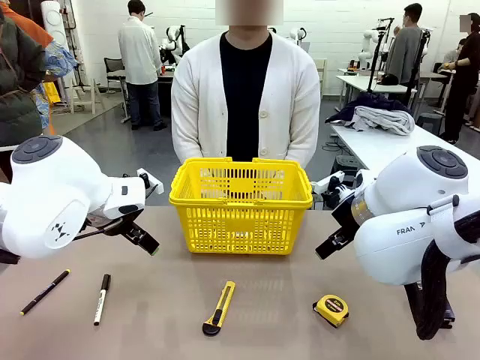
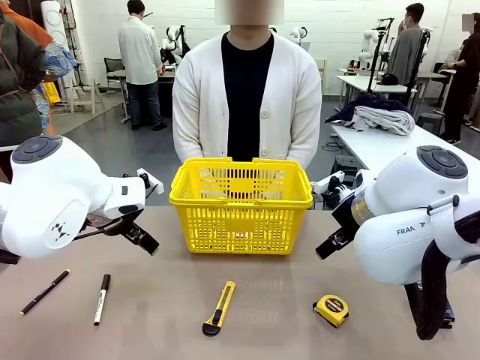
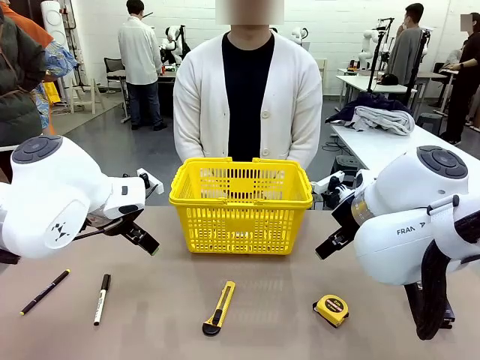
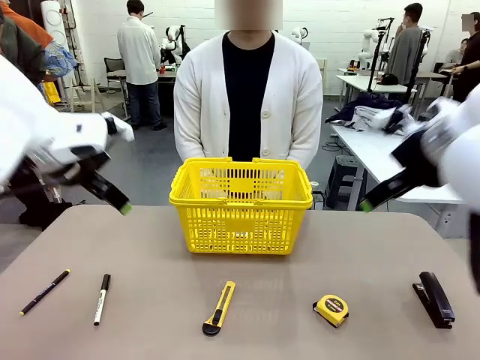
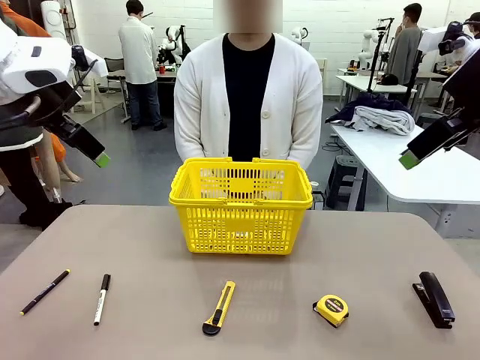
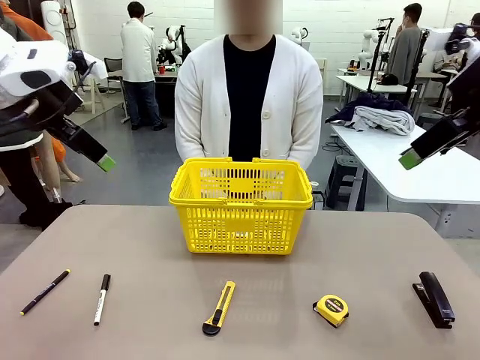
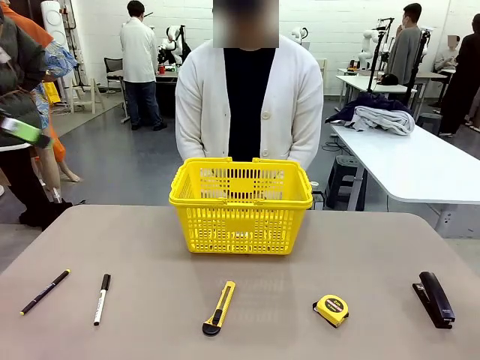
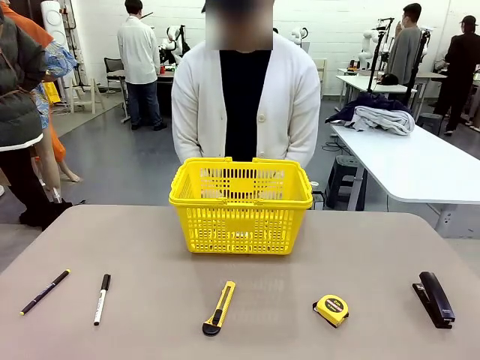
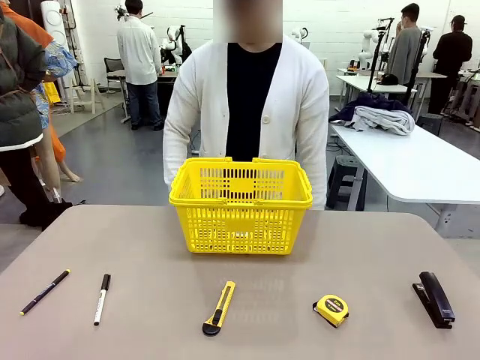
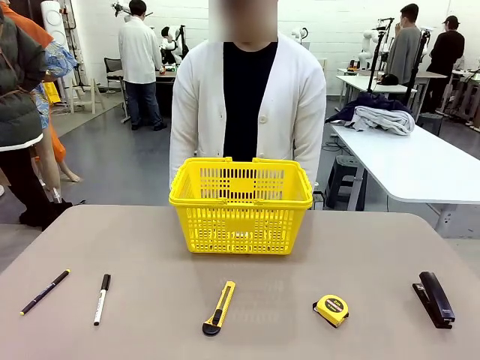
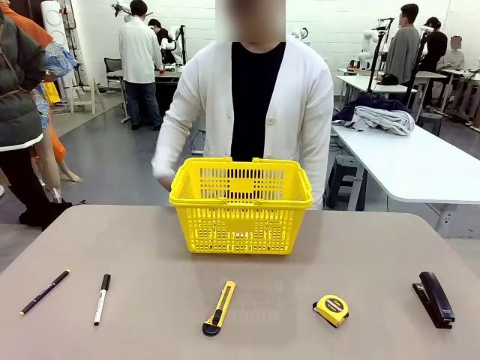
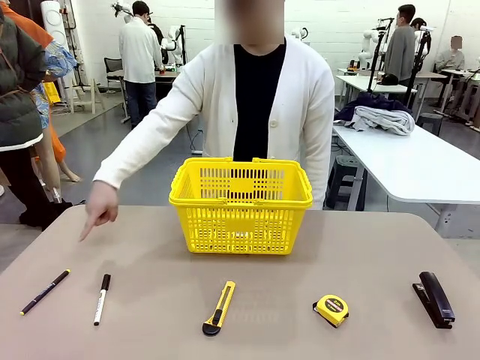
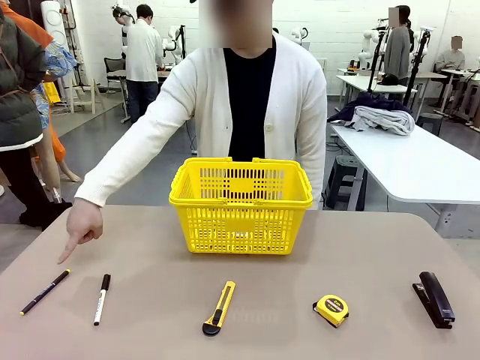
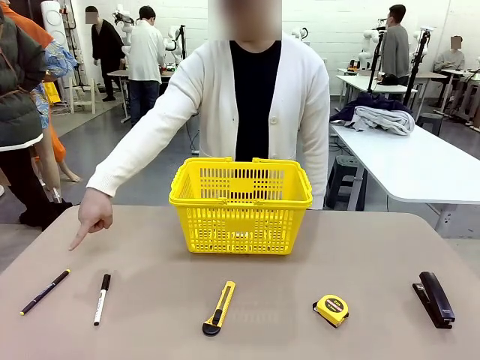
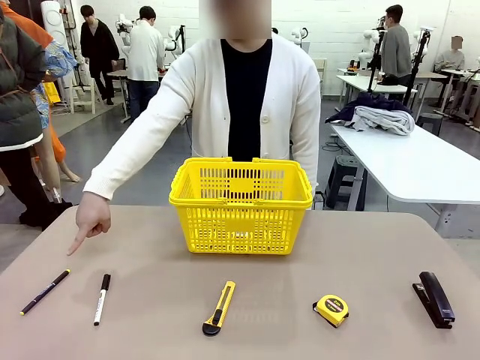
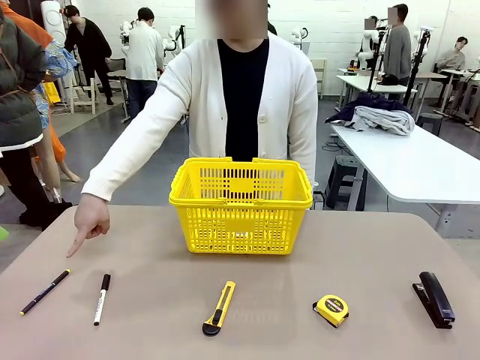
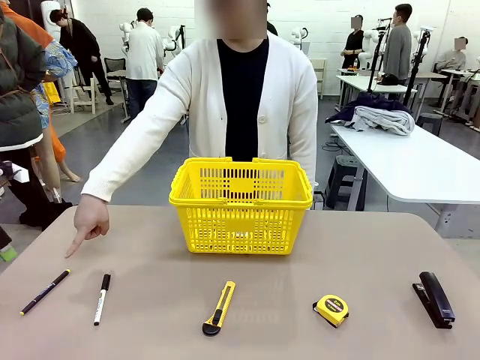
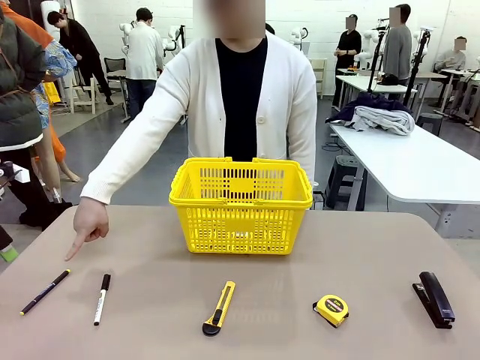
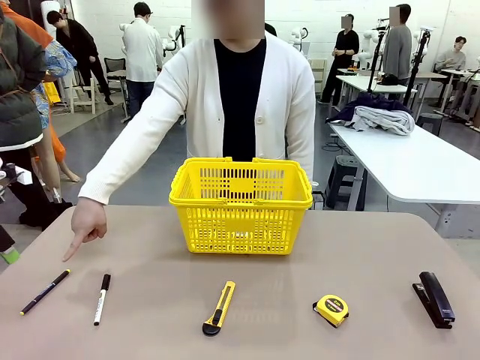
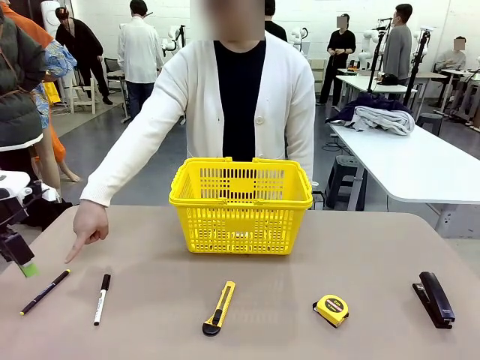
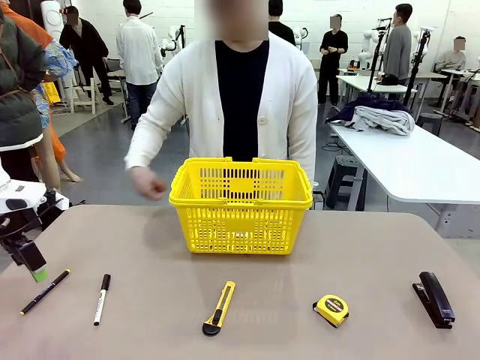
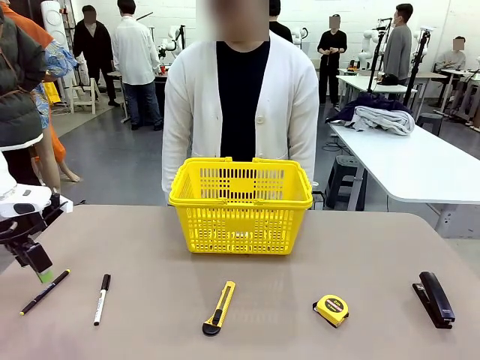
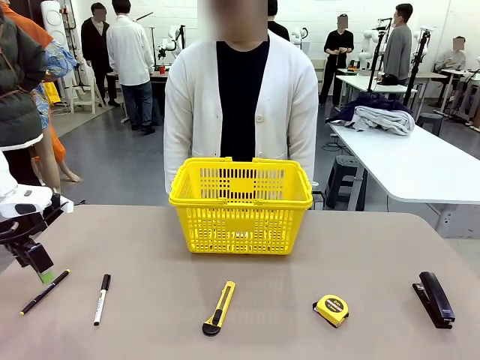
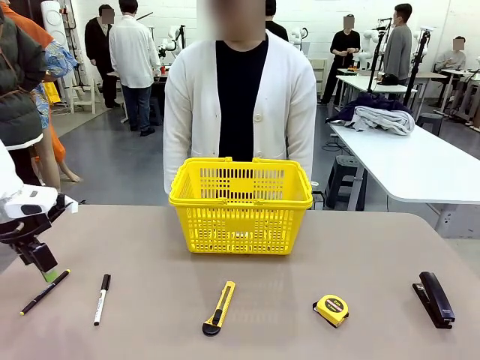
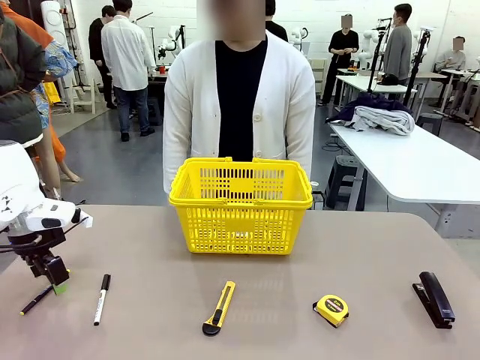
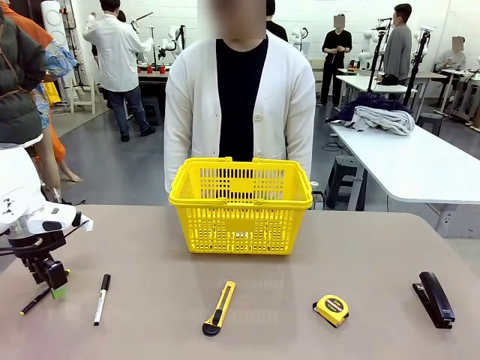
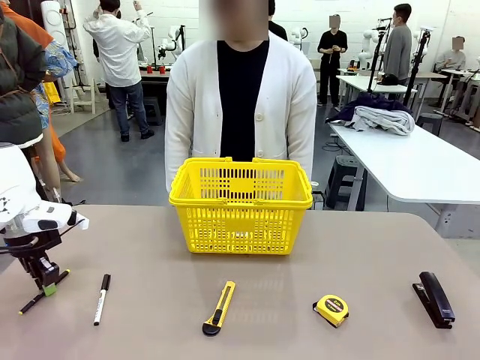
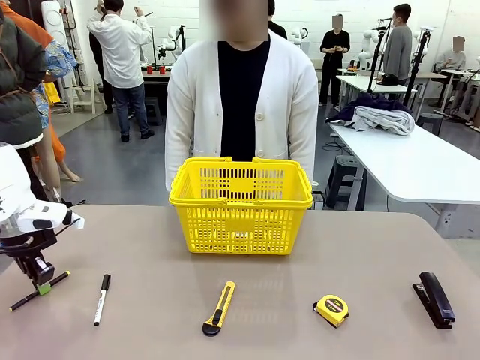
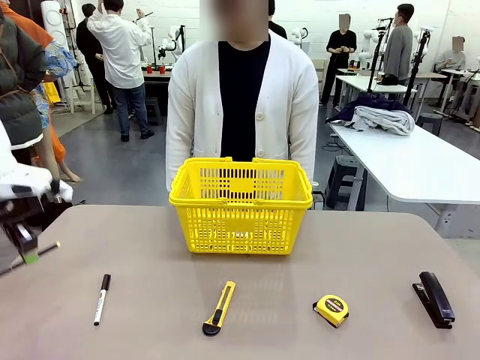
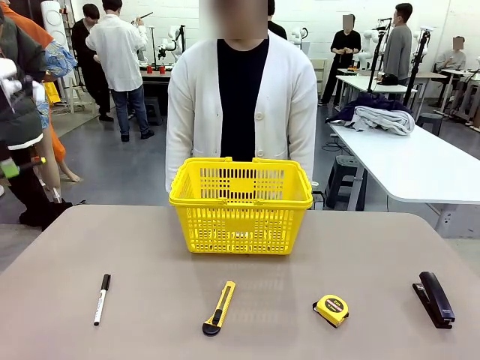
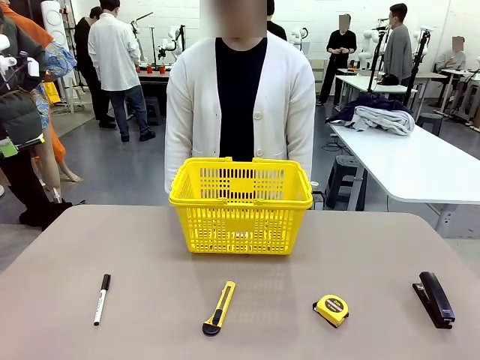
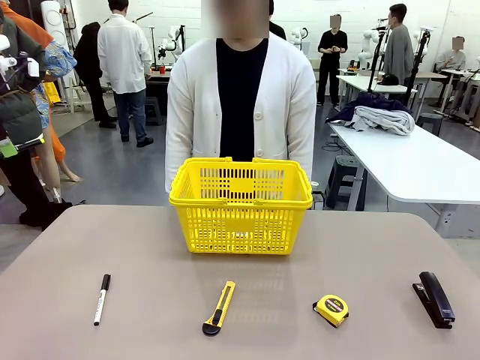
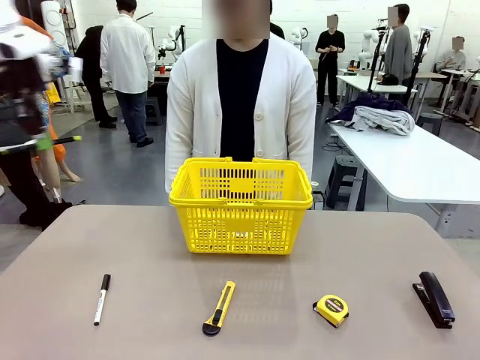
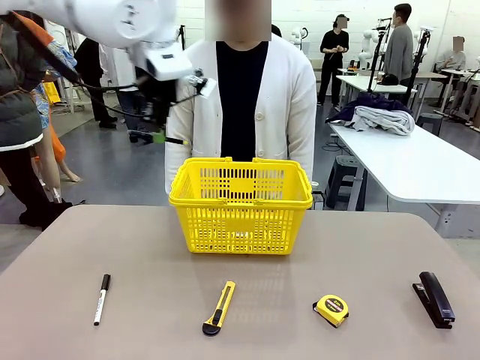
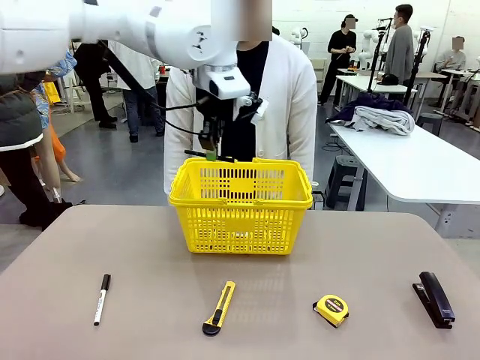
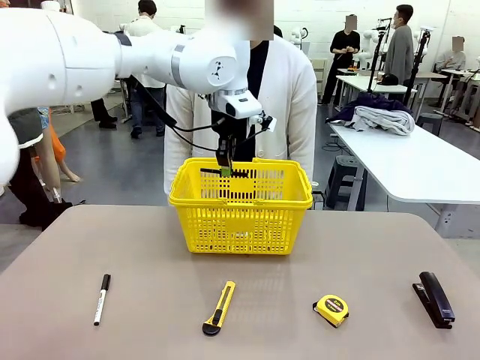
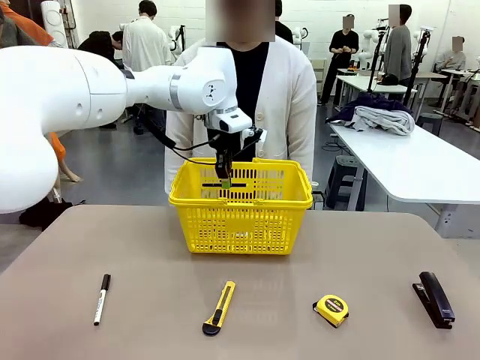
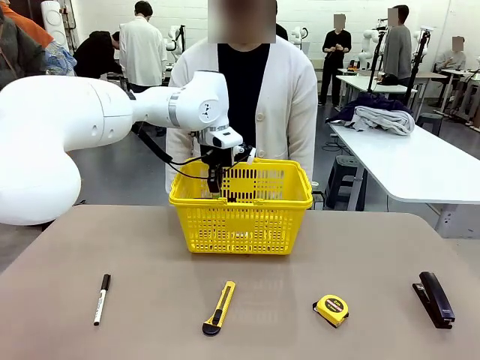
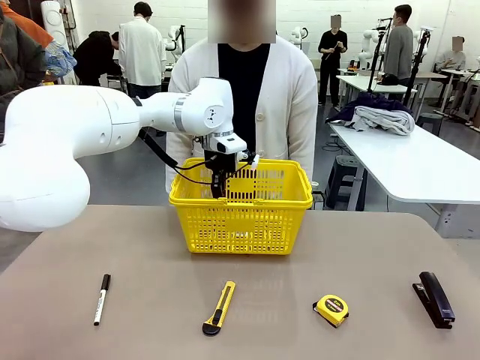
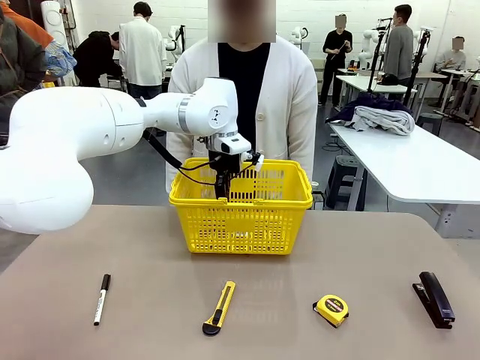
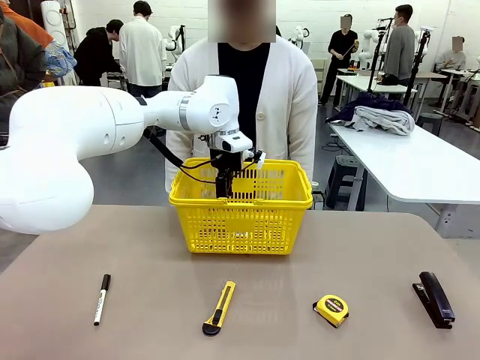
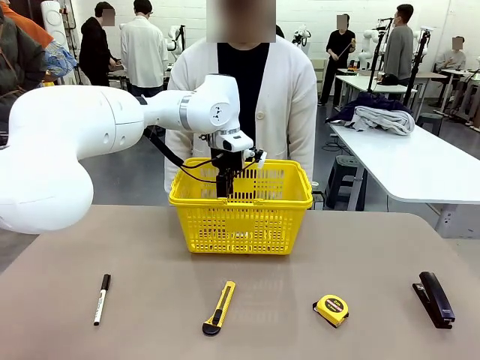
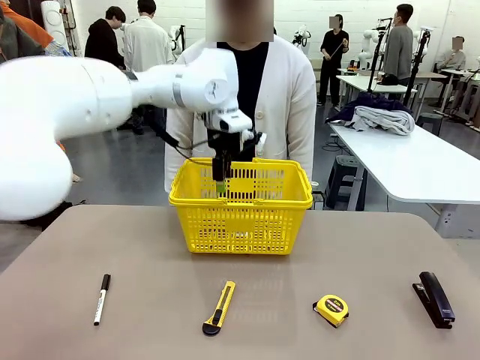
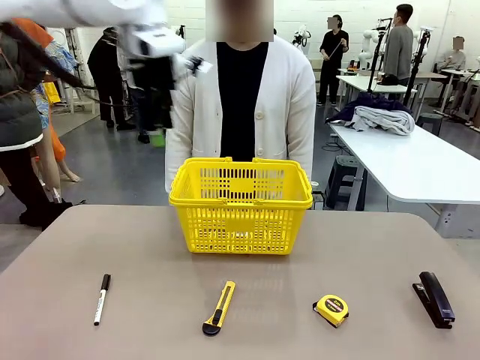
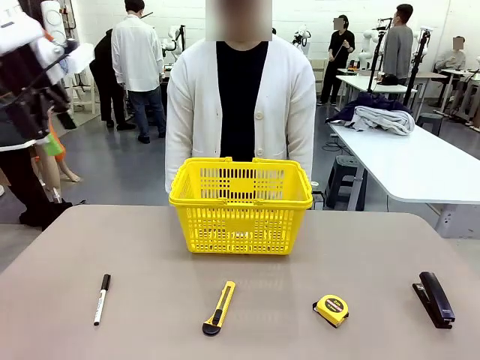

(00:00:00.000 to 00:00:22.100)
Task: Place the items the person wants into the basket.
Robot: Pick up the item the person points to and place it in the Market Basket.
